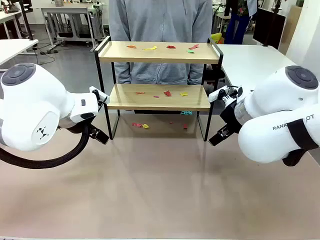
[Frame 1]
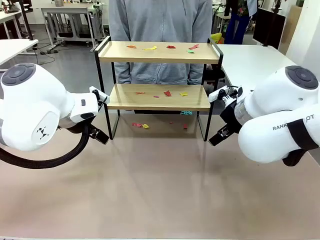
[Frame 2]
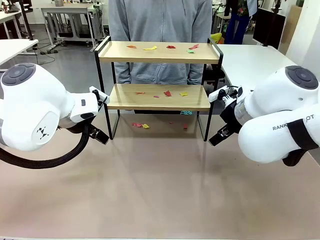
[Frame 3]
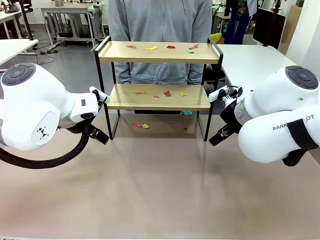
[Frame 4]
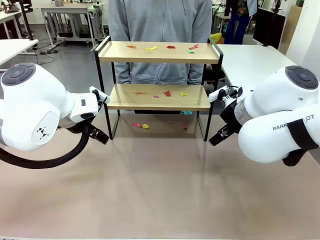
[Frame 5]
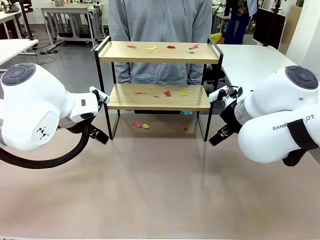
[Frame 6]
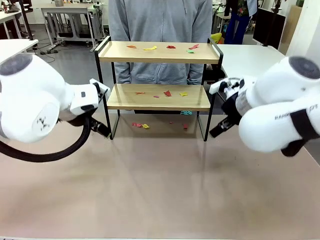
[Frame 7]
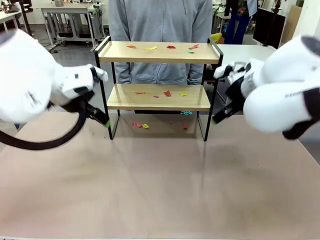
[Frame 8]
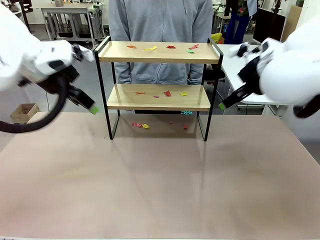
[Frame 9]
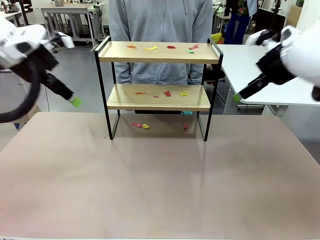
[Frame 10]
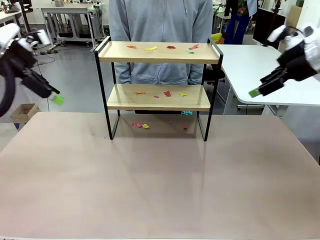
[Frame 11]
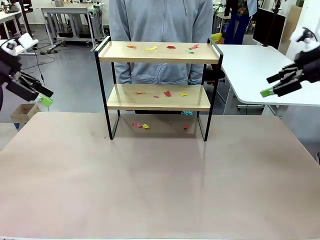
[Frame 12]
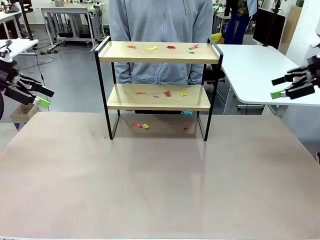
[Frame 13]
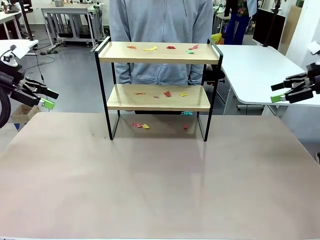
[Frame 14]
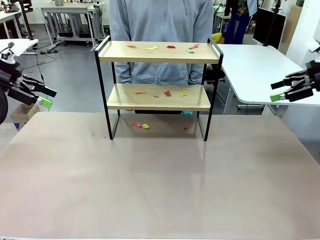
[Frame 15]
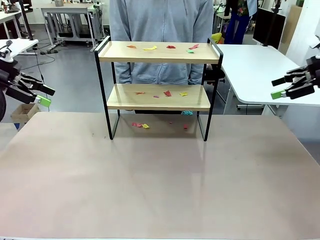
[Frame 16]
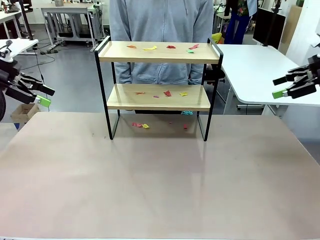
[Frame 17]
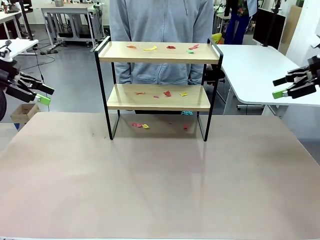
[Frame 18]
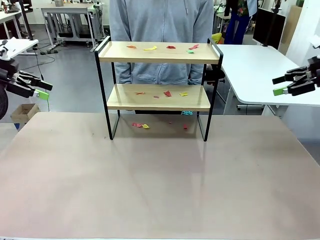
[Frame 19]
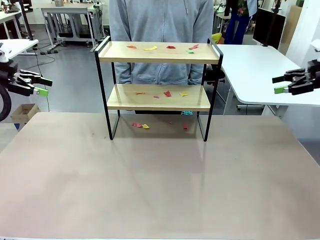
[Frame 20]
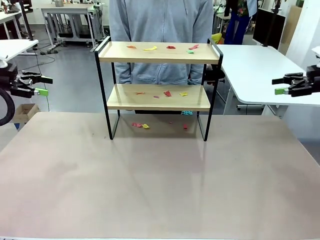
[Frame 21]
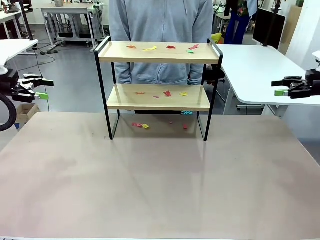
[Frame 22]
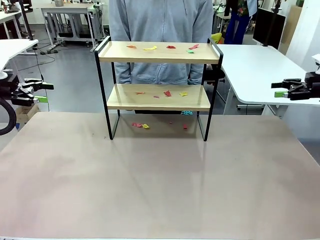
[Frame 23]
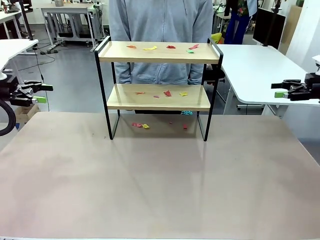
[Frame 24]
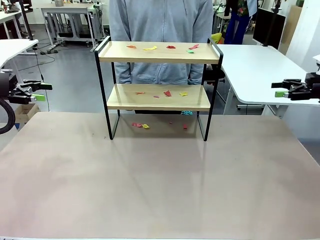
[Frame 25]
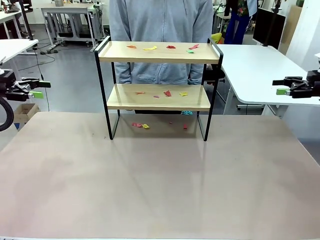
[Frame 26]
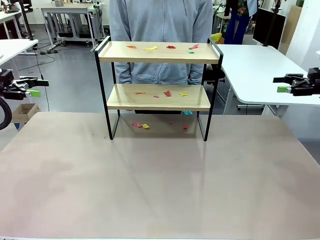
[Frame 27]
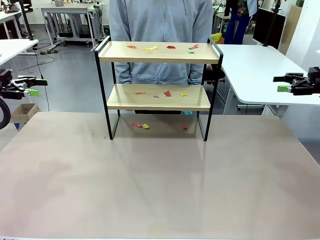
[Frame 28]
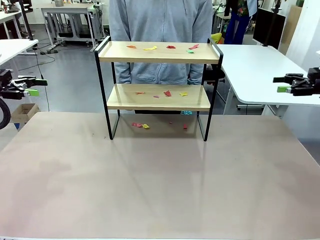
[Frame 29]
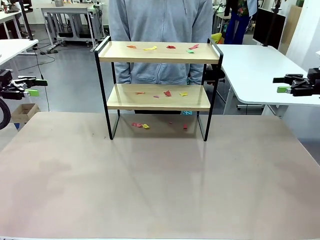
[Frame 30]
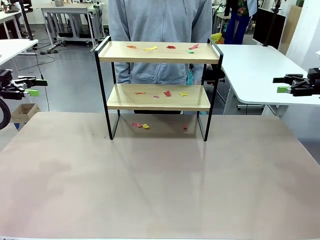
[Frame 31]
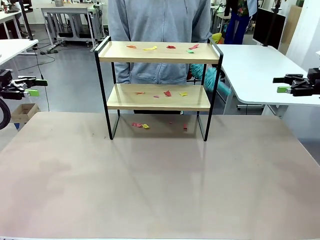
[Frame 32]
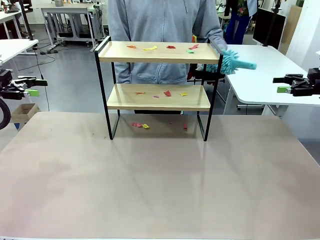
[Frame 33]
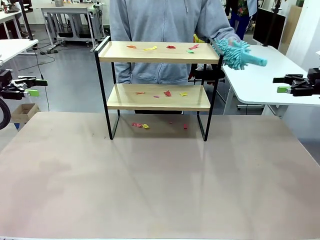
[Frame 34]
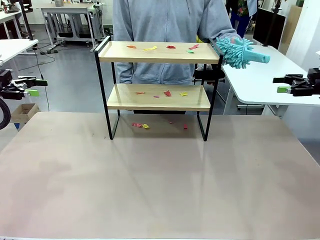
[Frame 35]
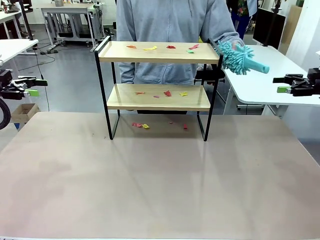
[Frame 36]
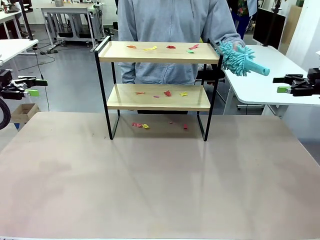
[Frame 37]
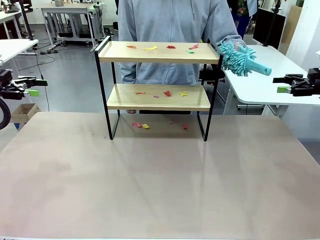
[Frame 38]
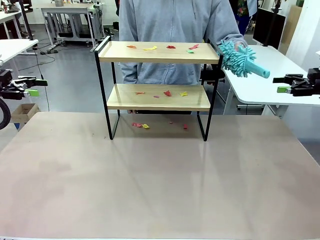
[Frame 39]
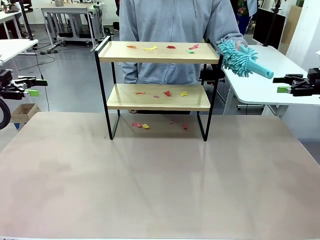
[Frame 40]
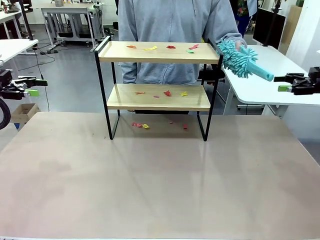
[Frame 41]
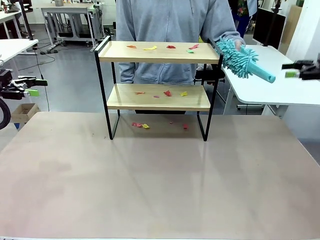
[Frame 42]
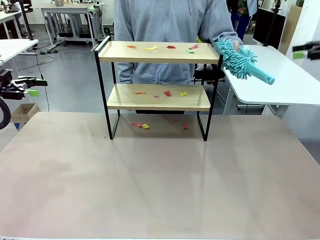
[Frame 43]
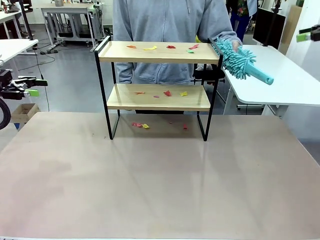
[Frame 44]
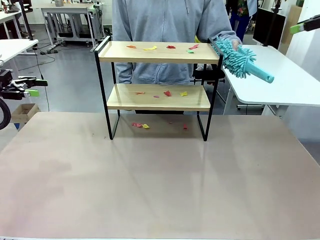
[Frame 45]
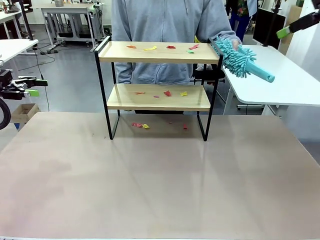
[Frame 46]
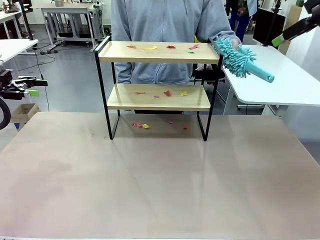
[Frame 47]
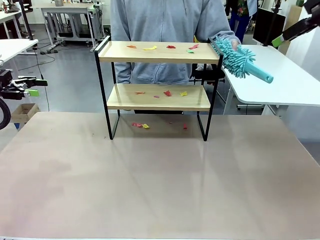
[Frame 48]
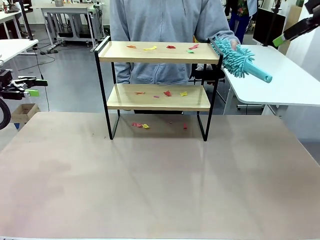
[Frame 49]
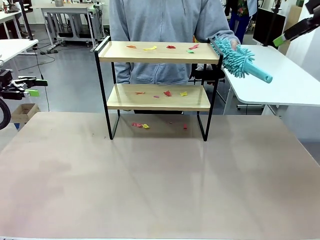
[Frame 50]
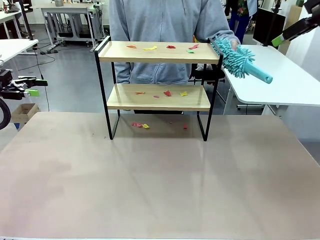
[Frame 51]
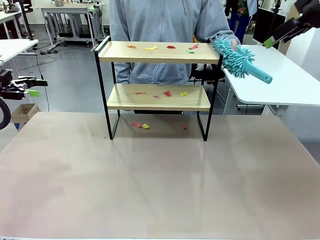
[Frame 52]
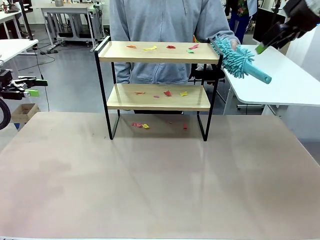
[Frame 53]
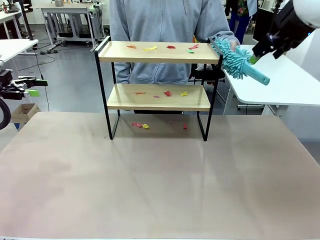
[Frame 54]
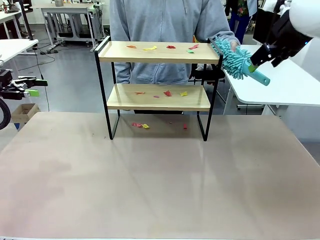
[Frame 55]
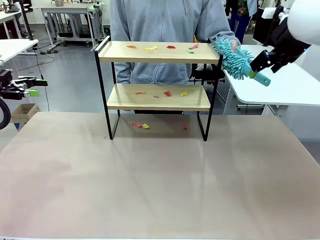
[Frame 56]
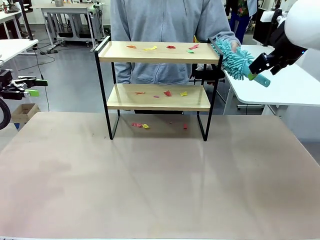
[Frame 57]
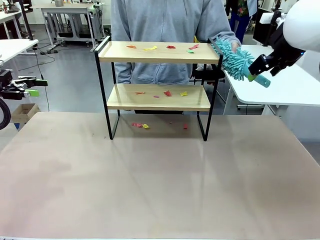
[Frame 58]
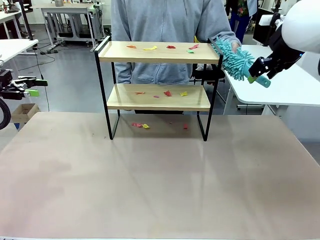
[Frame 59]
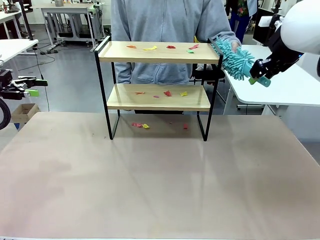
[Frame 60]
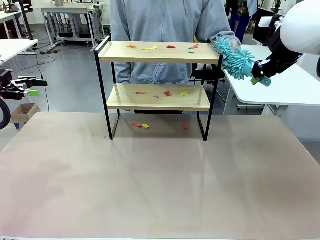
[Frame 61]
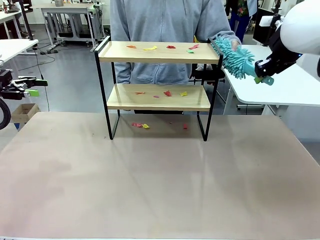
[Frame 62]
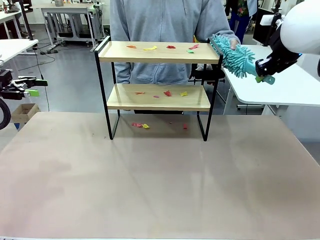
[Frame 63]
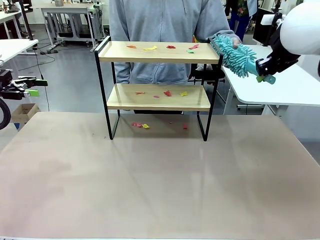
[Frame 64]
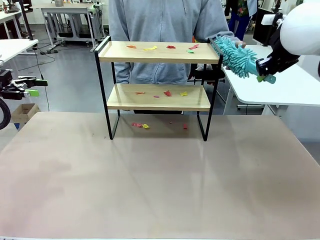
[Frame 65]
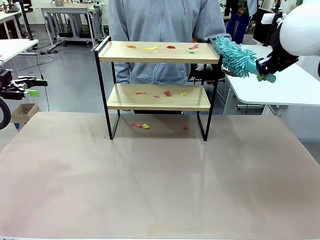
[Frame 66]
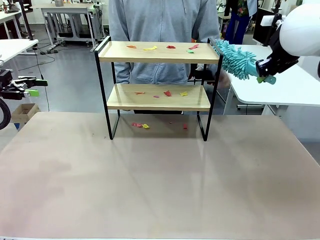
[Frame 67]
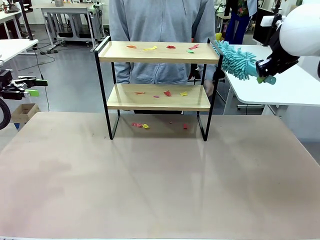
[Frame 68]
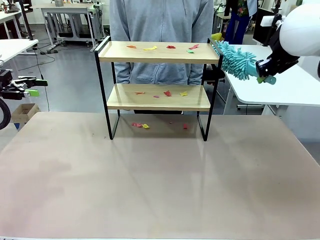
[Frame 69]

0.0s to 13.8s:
Task: Clean the shelf.
Robot: Pick up the Duster handed by the human.
Person: Hand the Duster to the robot.

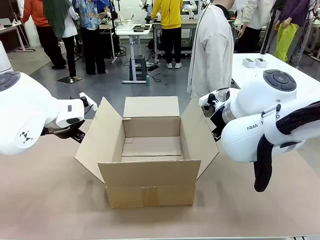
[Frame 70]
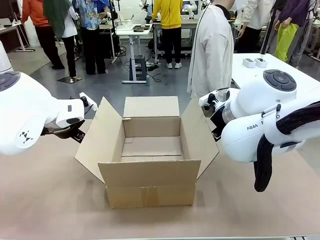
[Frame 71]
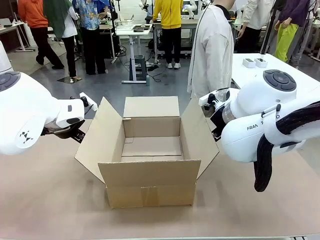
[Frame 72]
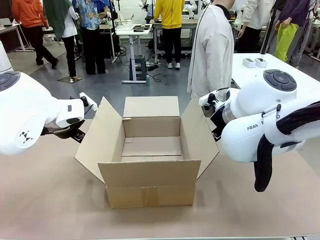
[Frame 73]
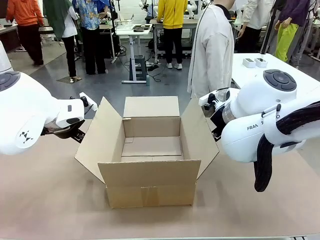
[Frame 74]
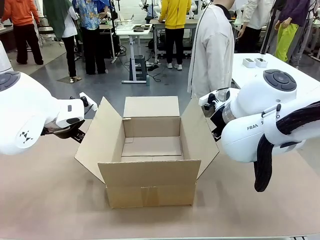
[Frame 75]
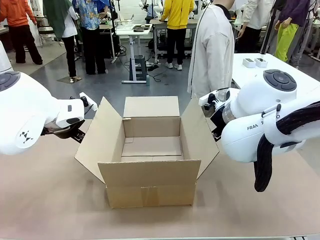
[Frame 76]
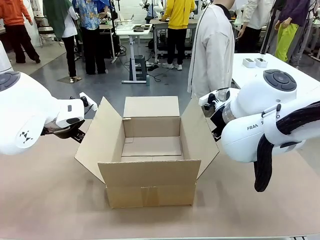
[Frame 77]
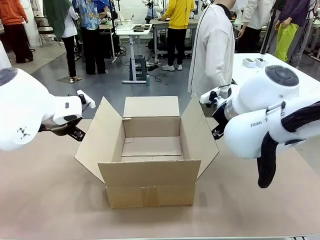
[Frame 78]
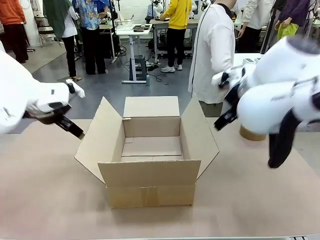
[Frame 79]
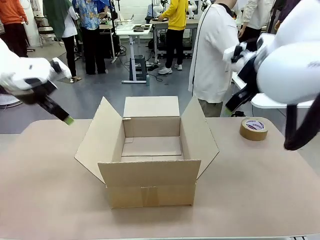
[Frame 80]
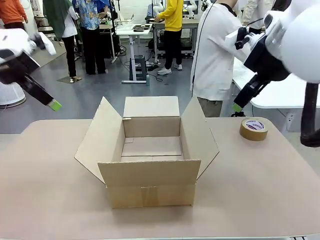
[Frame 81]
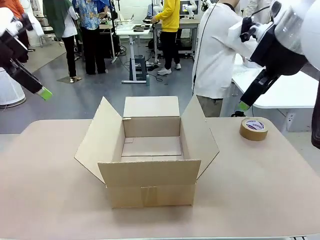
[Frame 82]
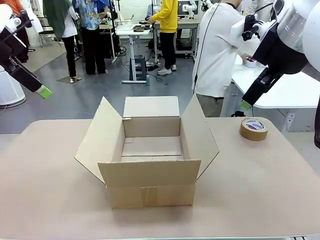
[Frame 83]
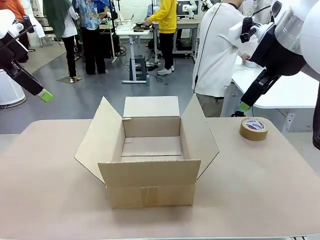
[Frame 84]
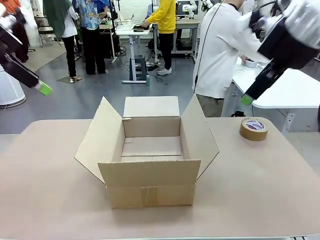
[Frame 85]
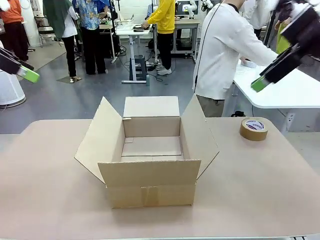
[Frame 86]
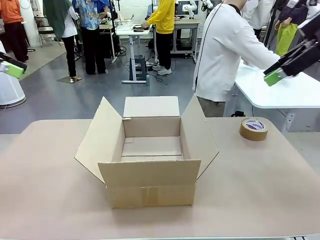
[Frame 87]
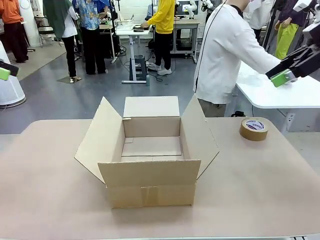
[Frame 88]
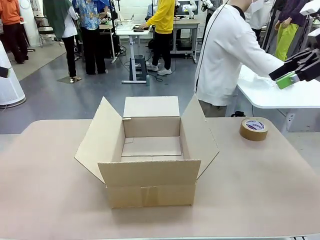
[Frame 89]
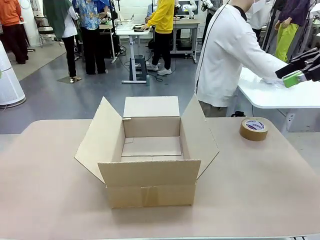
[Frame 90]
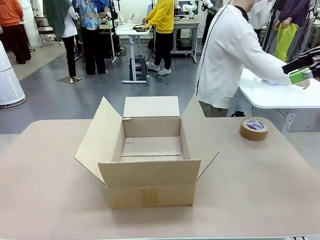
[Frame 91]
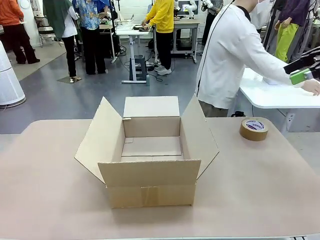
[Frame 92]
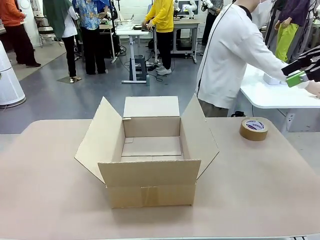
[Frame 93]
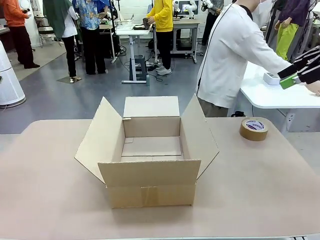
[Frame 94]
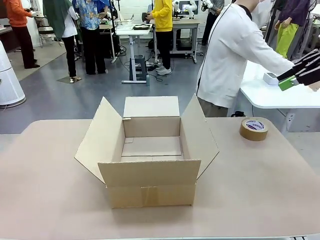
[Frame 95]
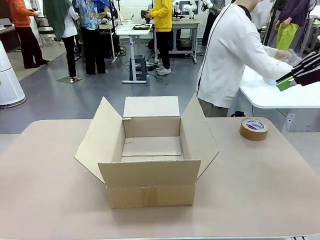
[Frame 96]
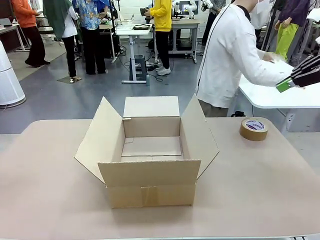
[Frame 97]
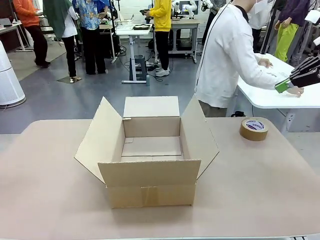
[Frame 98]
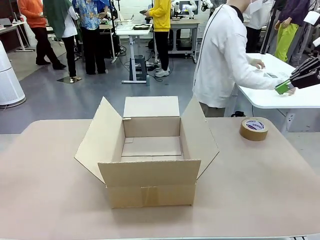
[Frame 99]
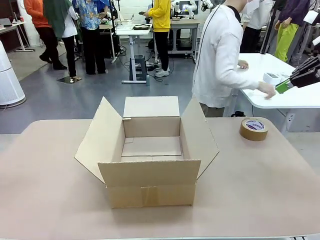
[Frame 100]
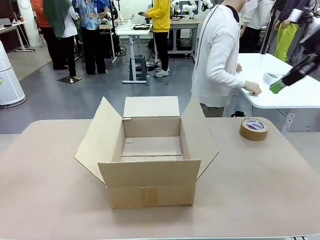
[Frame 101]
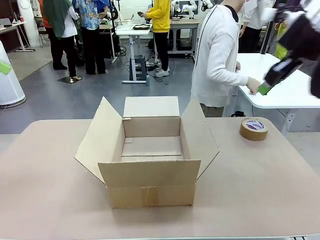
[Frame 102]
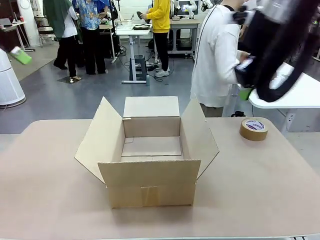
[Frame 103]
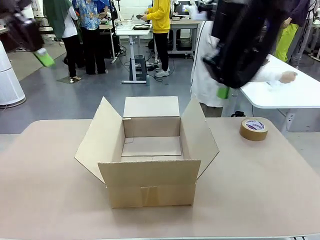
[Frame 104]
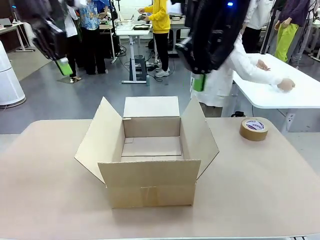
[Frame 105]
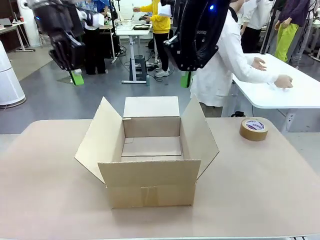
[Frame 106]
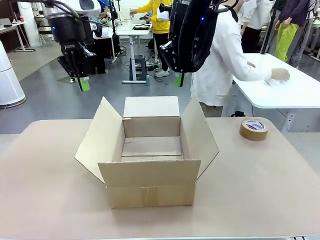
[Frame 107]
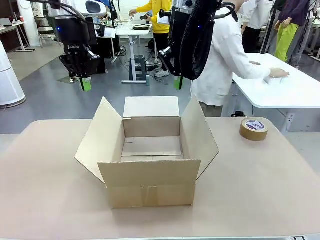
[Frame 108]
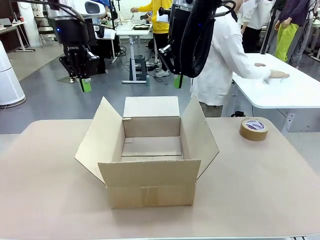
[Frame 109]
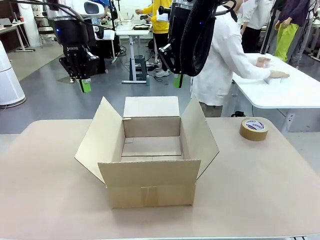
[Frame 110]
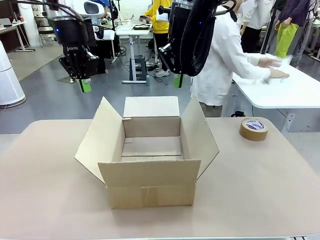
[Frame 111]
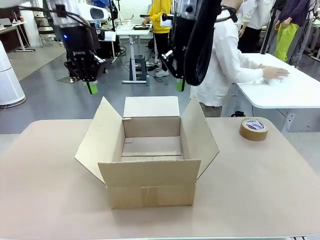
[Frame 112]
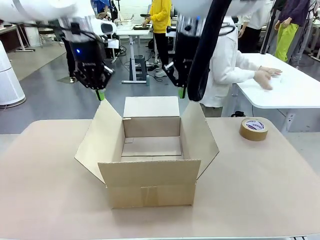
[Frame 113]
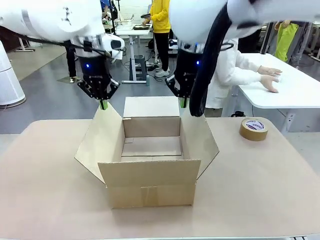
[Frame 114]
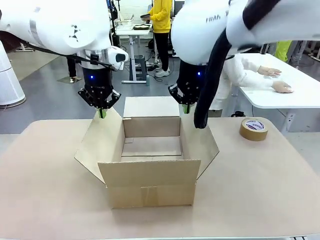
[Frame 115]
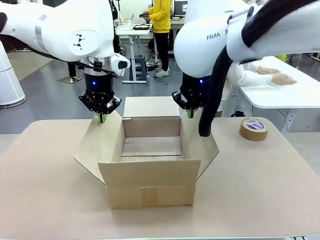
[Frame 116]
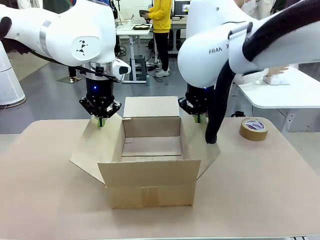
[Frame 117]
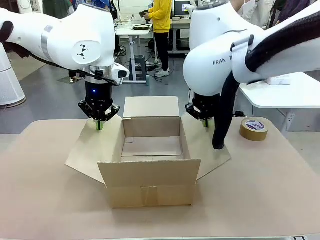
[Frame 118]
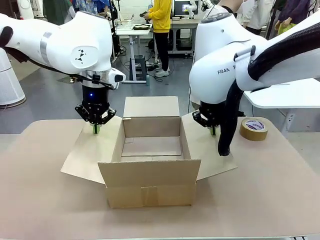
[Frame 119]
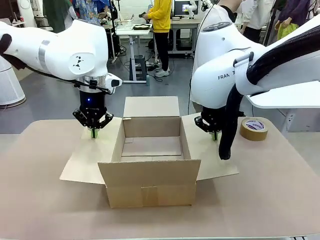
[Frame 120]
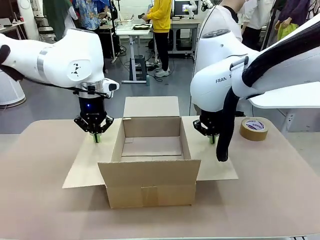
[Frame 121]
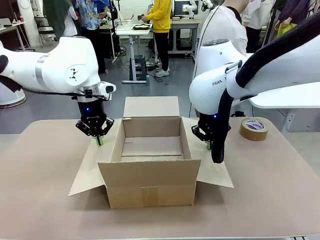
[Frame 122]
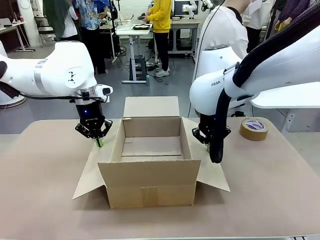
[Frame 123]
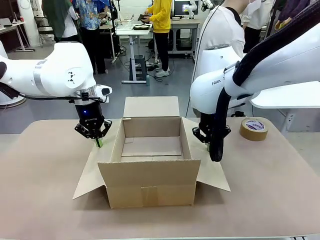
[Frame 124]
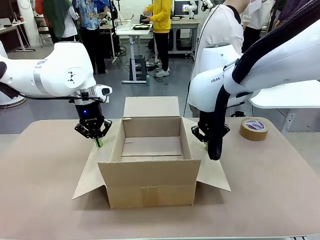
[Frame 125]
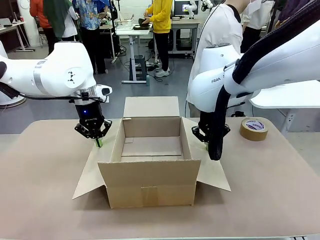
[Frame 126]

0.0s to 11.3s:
Task: Wrap the clocks to prevent damage.
Robot: Open the side flaps of the Package Box.
Person: Wrap the two Digital clocks with Bubble Wrap.
